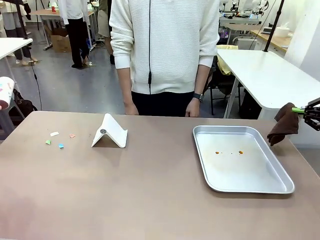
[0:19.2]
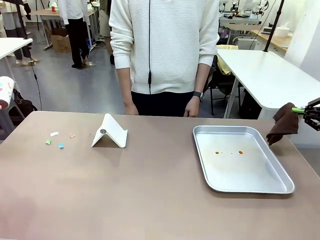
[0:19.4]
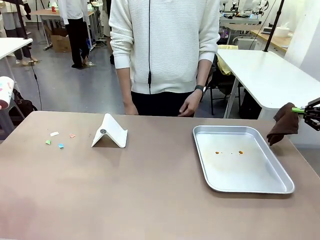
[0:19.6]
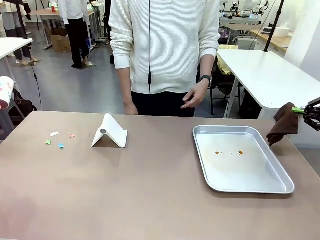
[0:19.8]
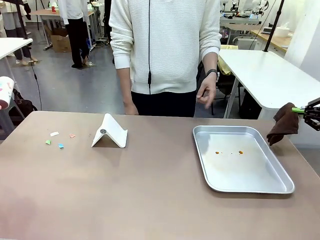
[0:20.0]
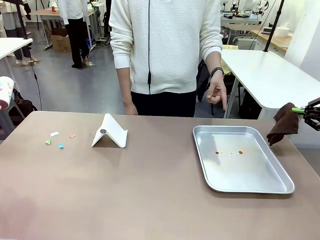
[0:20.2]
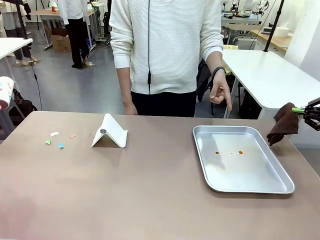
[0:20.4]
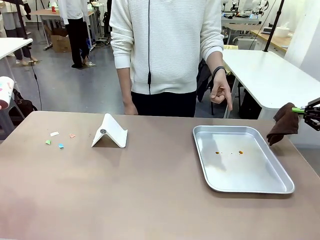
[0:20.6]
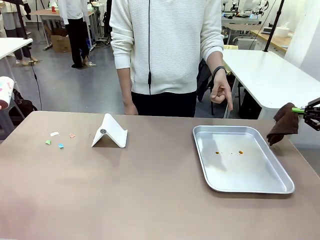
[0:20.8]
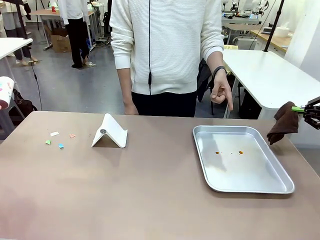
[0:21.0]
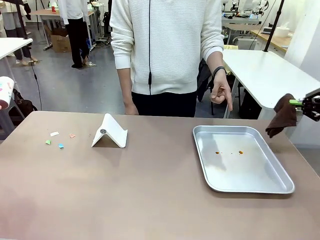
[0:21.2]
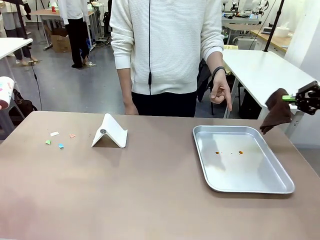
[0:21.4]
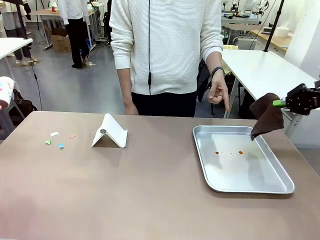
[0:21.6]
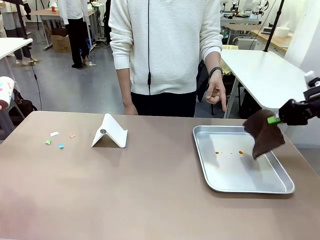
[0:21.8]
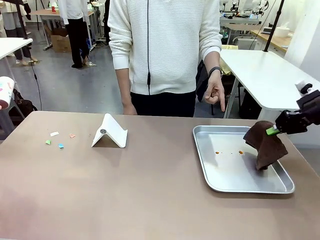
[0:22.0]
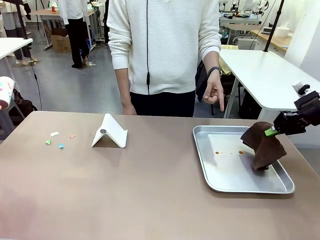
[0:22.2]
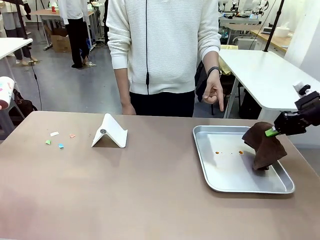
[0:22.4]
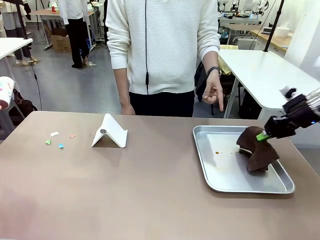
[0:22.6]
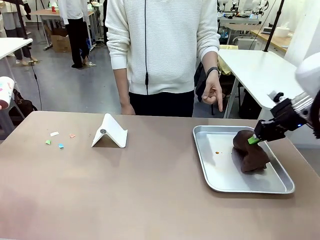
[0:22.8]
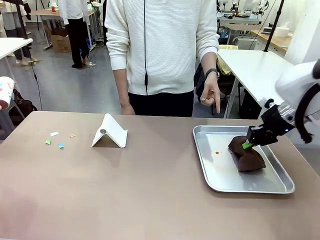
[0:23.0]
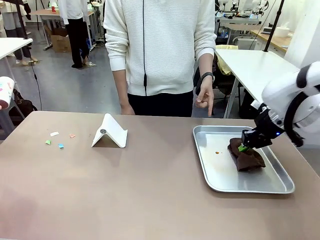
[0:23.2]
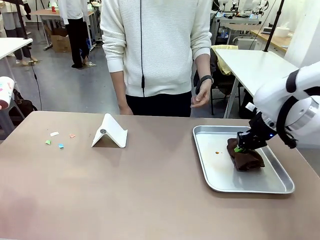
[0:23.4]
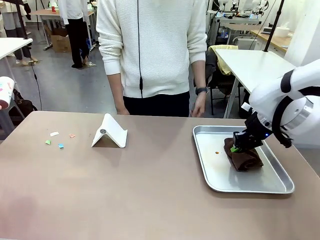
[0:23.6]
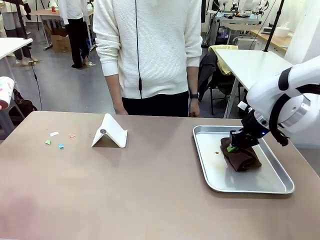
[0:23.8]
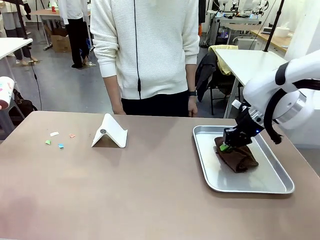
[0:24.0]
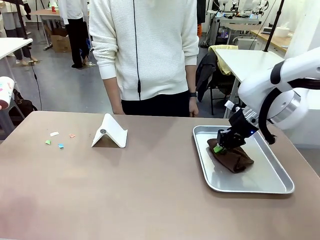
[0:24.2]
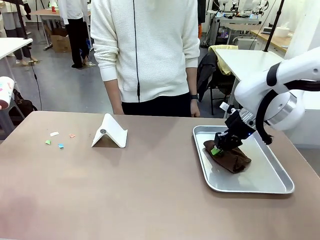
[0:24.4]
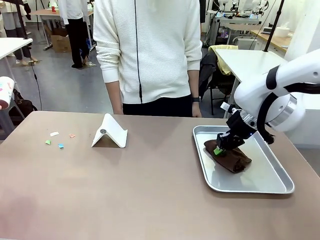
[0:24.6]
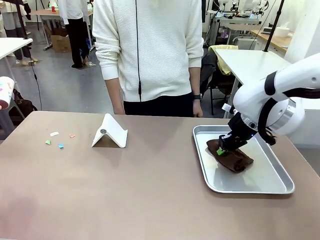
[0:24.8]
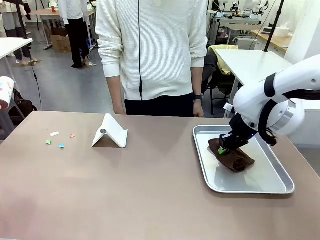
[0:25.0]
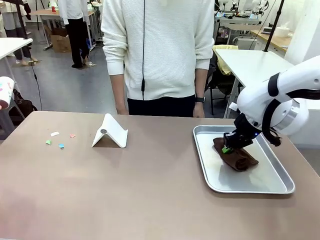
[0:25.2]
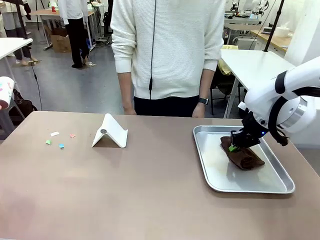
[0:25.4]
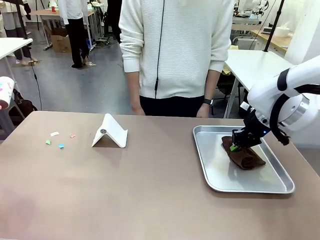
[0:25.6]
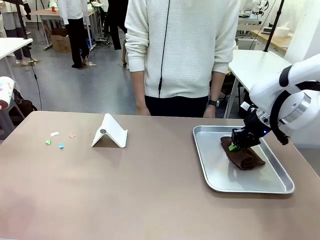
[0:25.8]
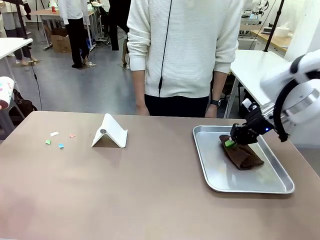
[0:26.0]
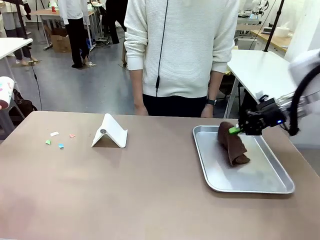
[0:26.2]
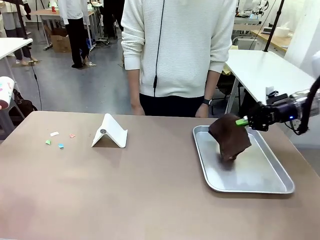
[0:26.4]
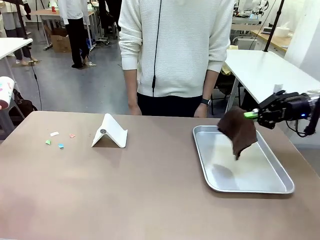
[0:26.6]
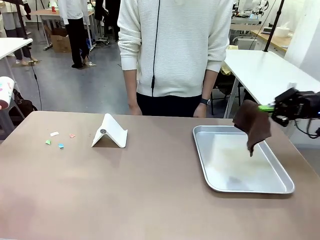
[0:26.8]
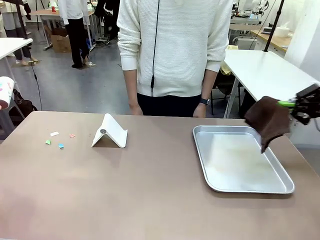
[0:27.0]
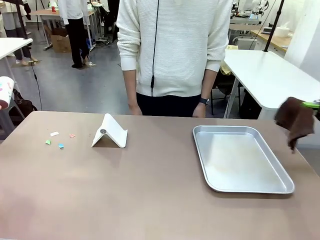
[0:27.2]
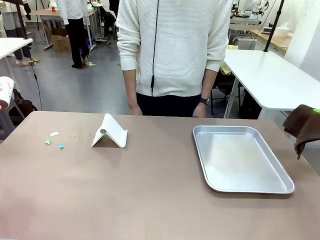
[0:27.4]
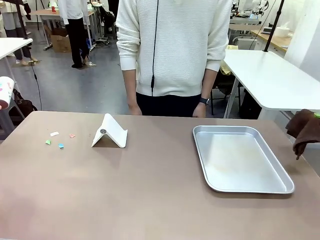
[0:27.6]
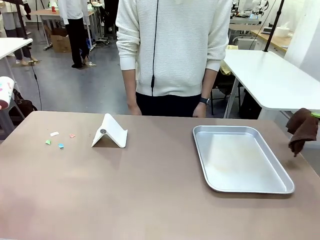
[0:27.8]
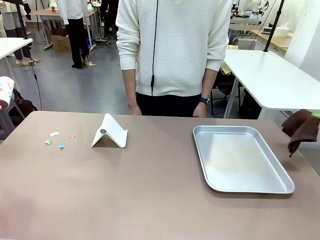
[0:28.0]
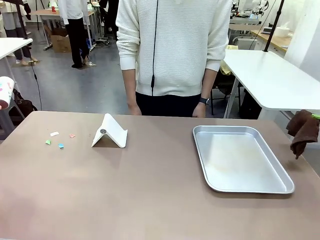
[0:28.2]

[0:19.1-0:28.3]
Task: Clean the surface of the table.
Robot: If a person points to the right, clean the right side of the table with your right hand, and if they point to the left, clean the left side with your left hand.

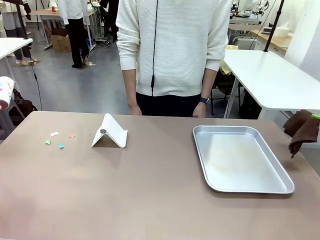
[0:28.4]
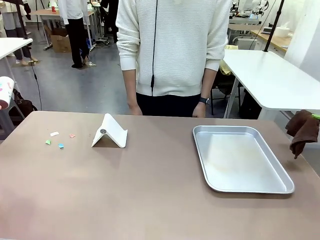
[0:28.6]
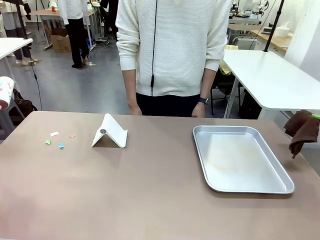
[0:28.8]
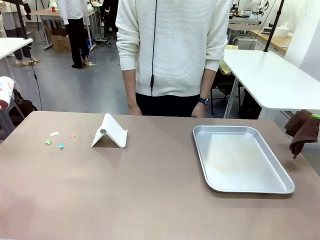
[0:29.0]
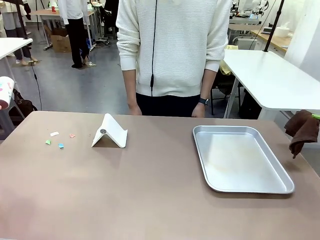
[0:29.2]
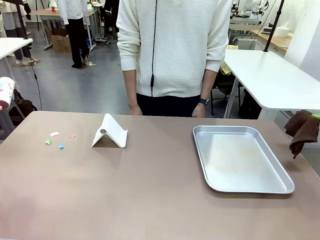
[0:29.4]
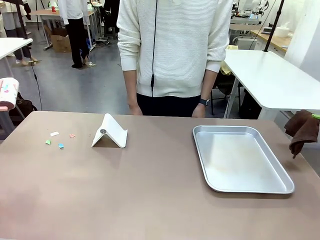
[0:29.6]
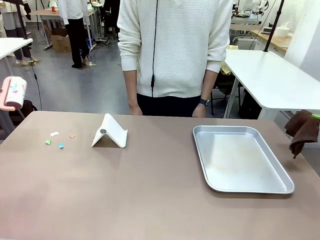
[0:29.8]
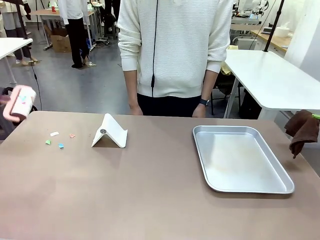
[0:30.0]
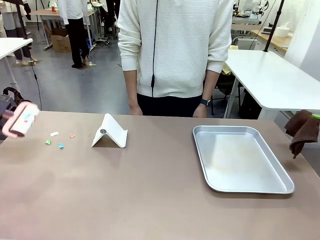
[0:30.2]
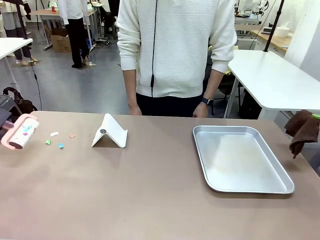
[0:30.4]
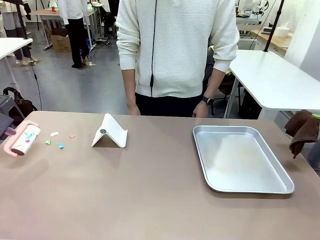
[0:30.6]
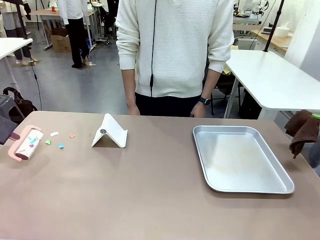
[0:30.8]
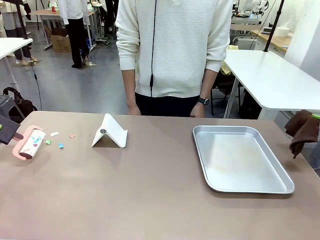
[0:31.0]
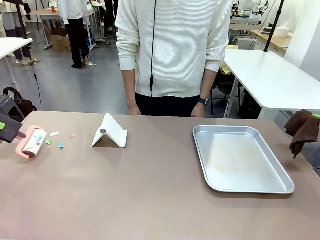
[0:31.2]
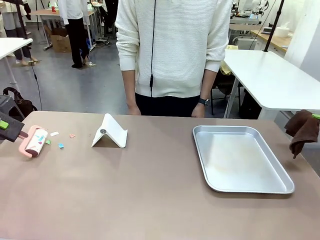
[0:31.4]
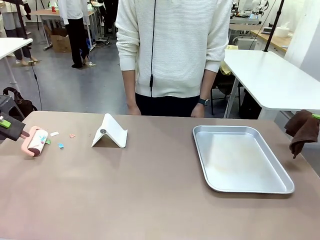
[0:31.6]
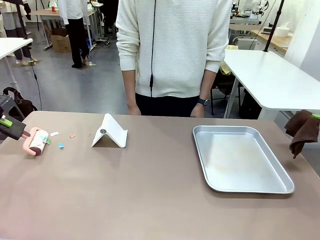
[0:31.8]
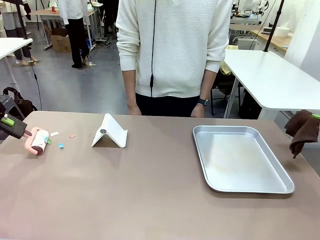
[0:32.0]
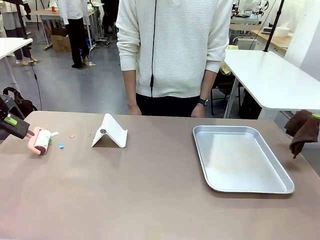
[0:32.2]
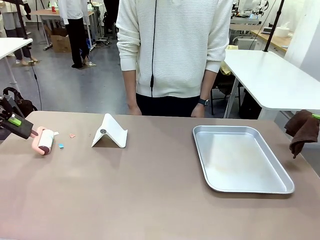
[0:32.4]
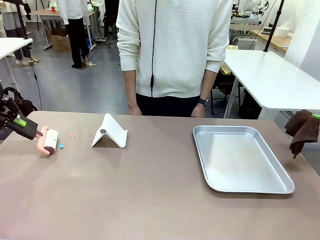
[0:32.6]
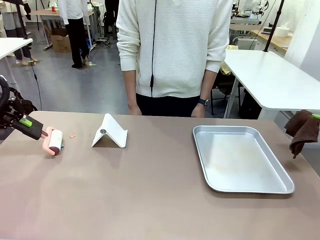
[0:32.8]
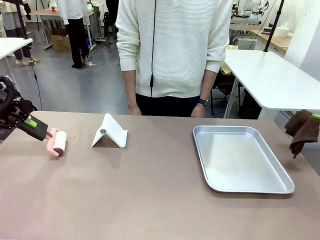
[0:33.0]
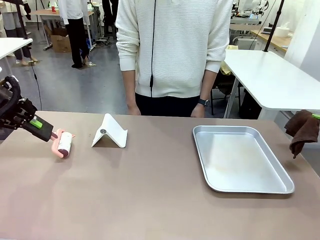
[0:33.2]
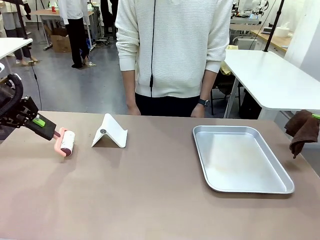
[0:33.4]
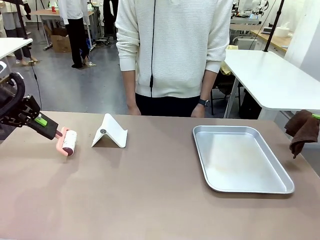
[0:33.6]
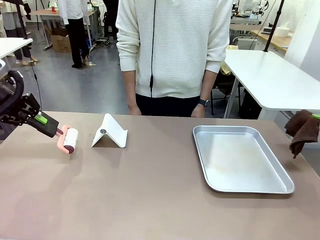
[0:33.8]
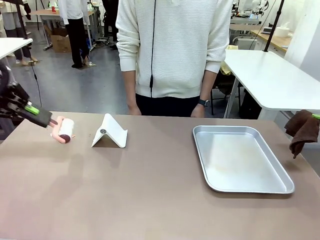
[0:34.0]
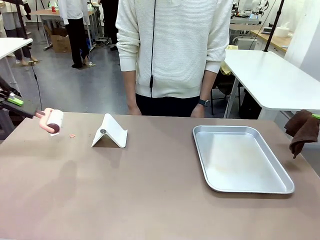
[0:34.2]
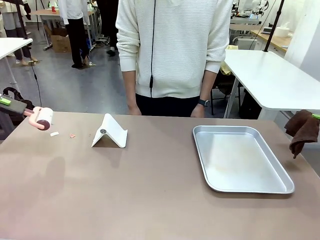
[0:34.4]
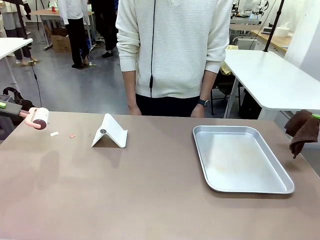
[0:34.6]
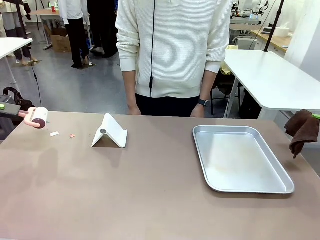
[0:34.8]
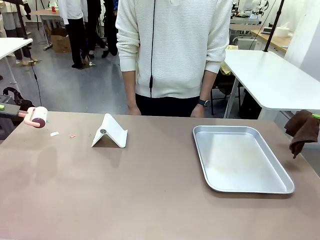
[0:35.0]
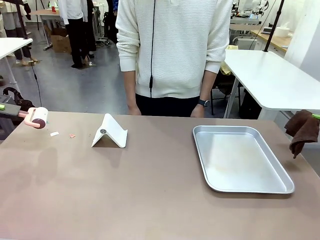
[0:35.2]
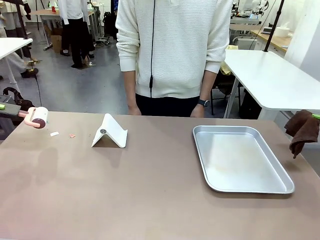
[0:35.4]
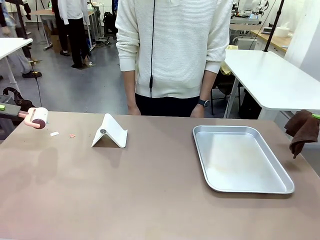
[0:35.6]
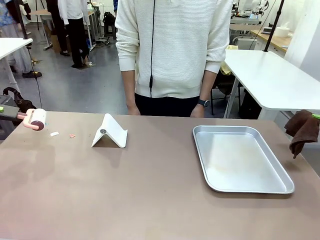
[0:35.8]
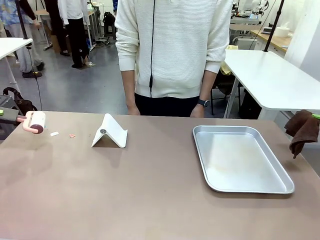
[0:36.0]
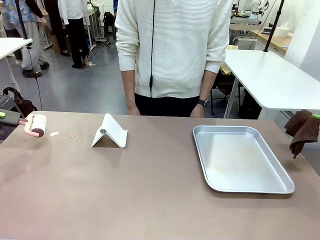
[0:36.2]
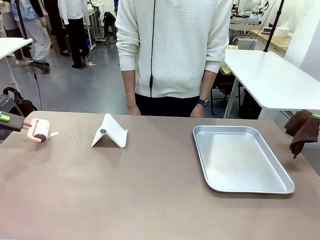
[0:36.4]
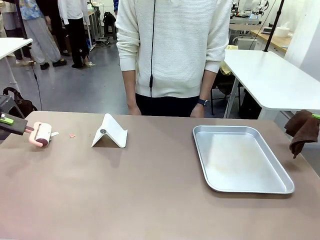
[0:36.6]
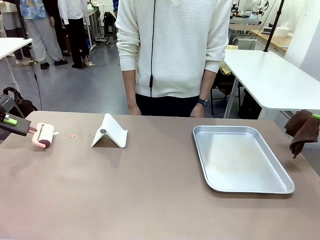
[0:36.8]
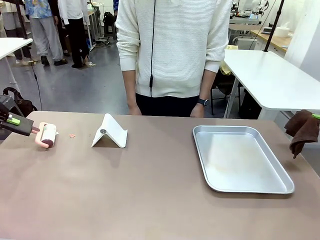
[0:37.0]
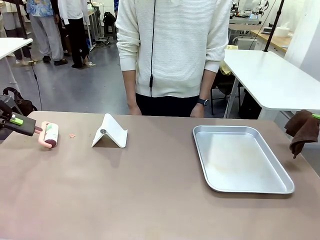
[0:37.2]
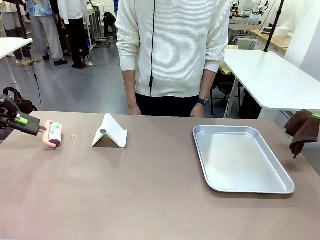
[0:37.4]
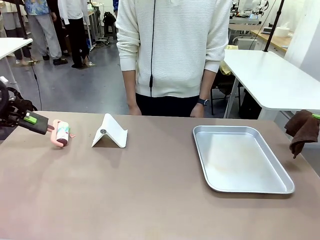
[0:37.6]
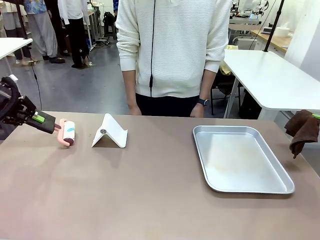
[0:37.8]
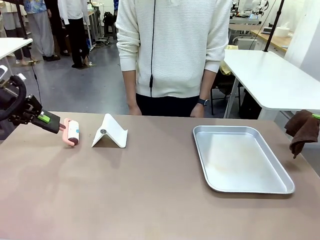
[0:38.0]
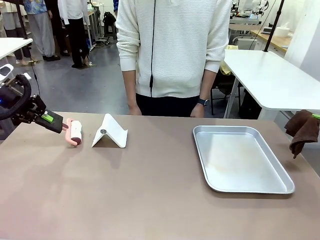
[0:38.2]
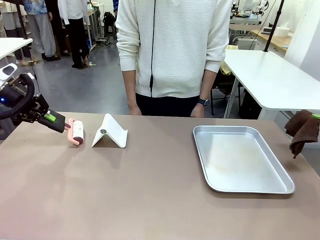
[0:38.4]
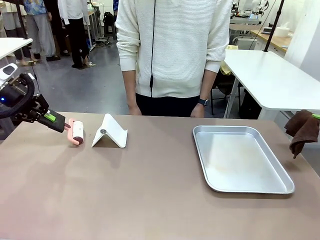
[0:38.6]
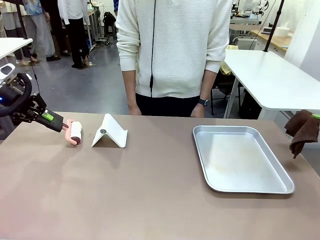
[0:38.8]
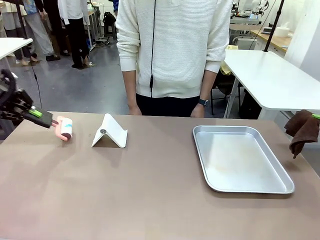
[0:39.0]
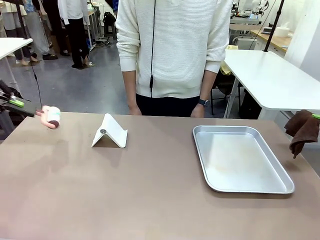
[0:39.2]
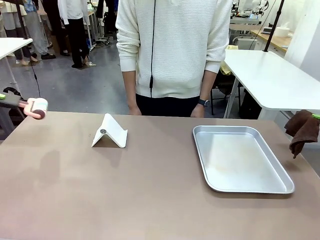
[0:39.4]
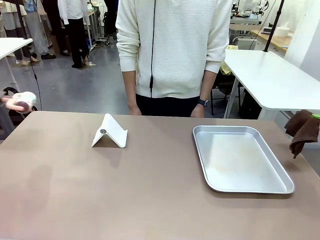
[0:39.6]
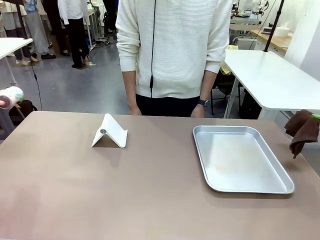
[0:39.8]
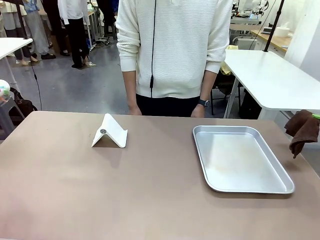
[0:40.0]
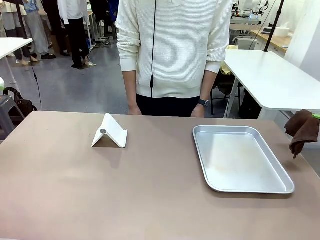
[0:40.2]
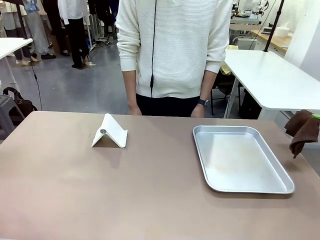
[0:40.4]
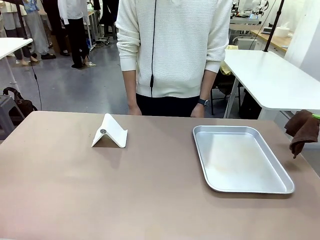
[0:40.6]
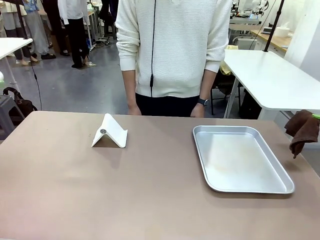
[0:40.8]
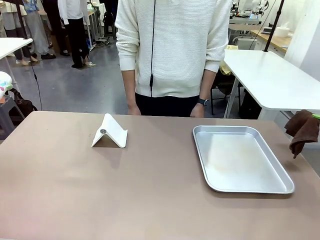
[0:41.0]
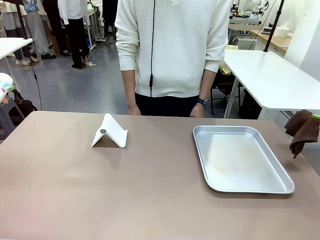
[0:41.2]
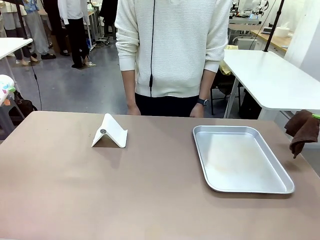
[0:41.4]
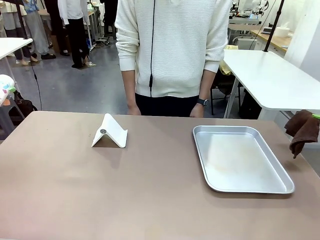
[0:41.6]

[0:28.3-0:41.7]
Robot: Clean the area not pointed to by the person.
